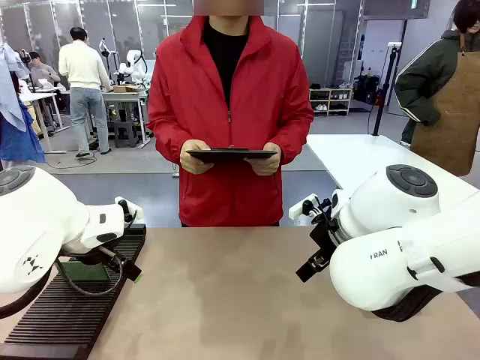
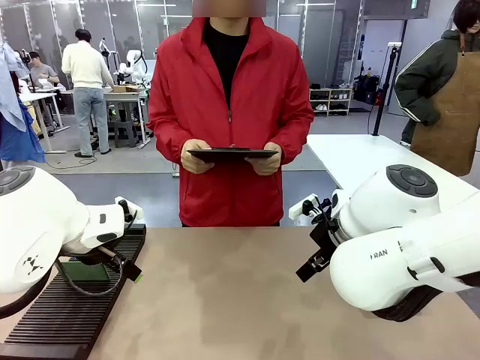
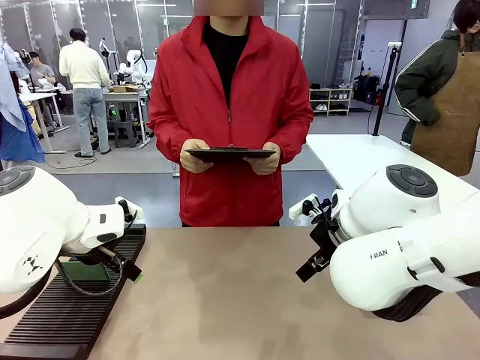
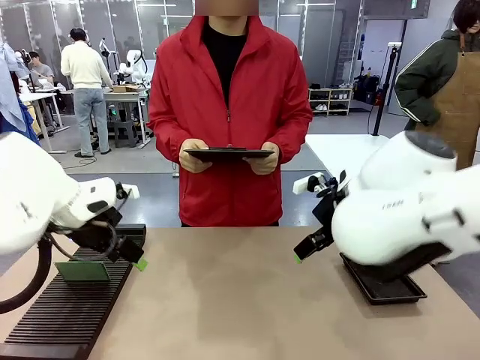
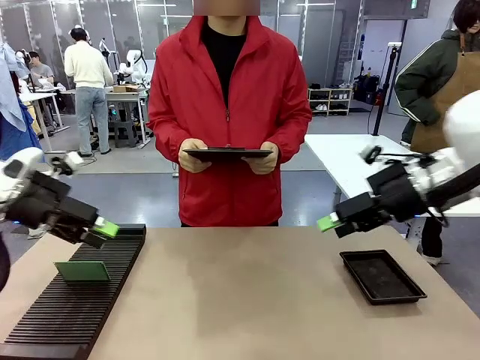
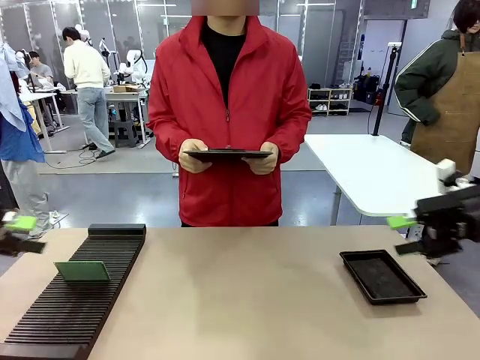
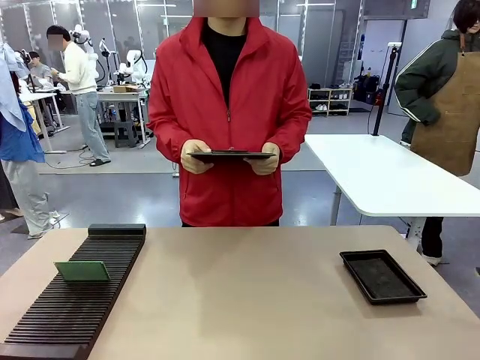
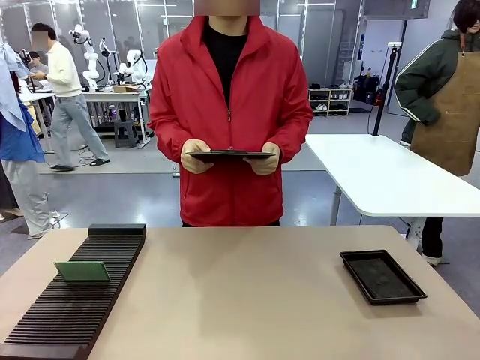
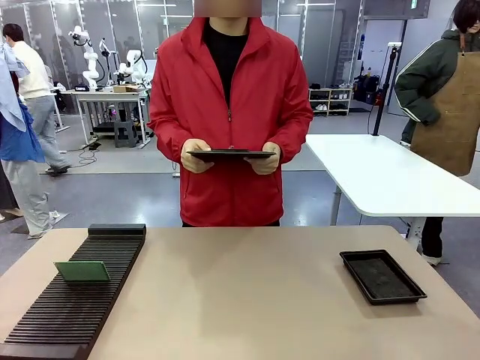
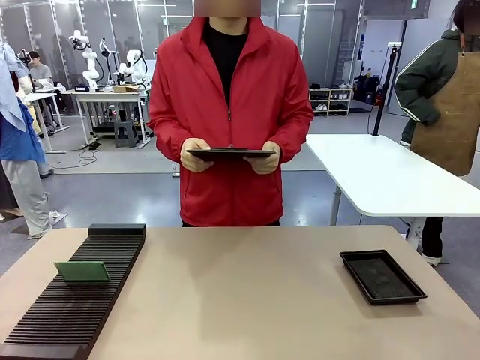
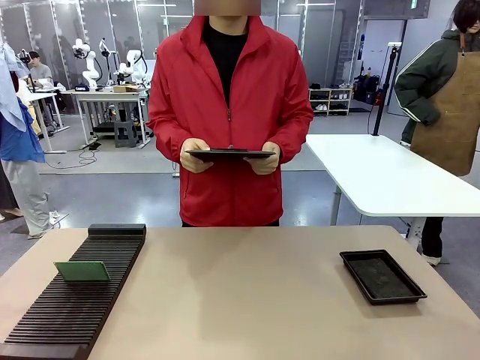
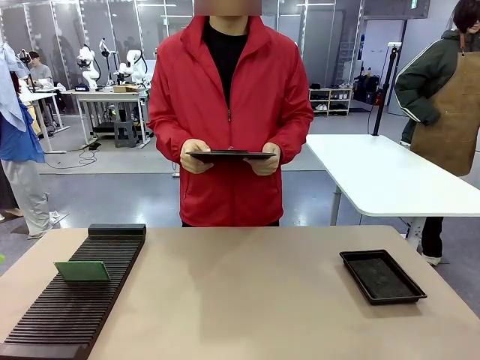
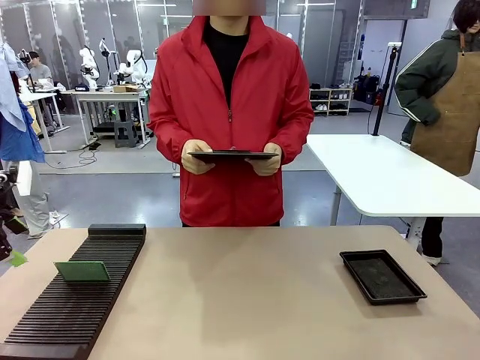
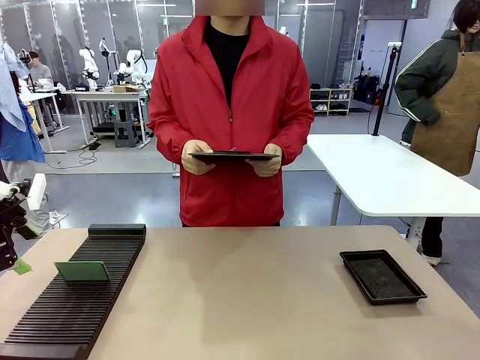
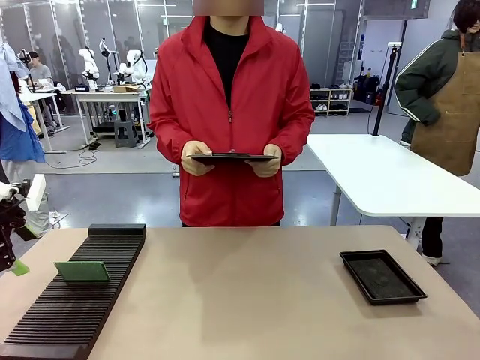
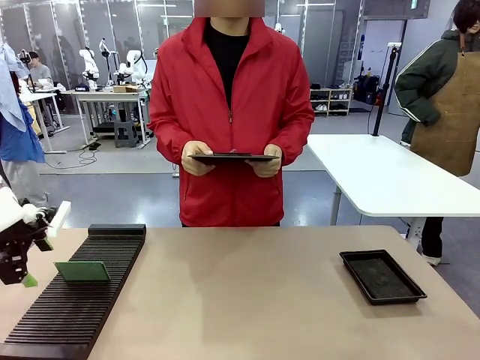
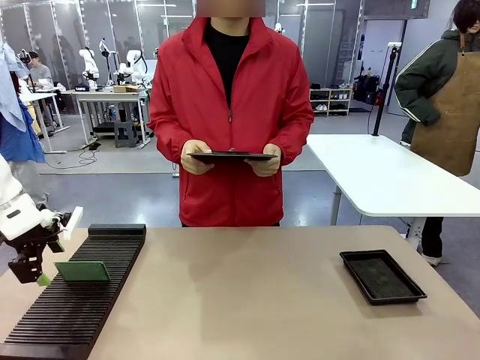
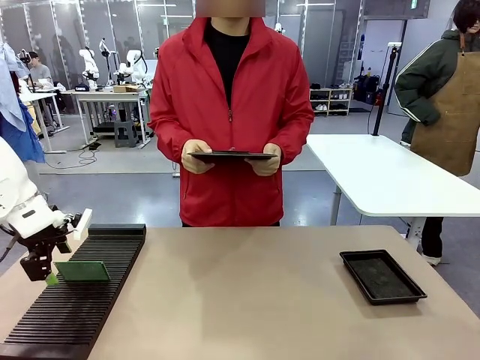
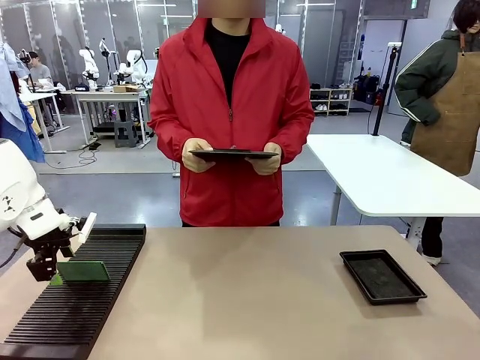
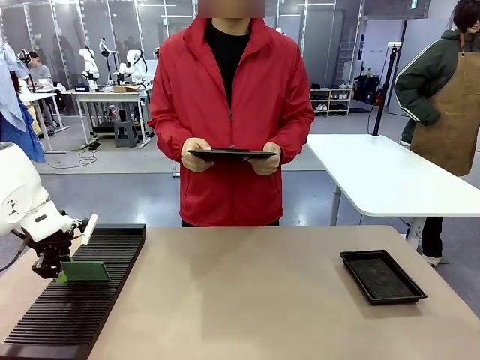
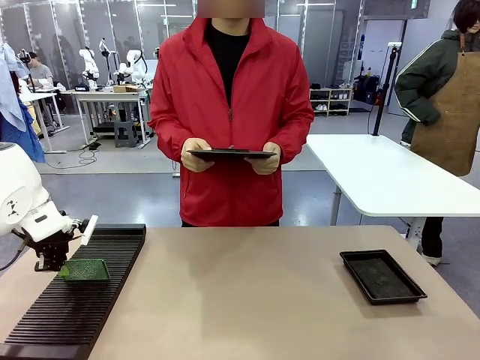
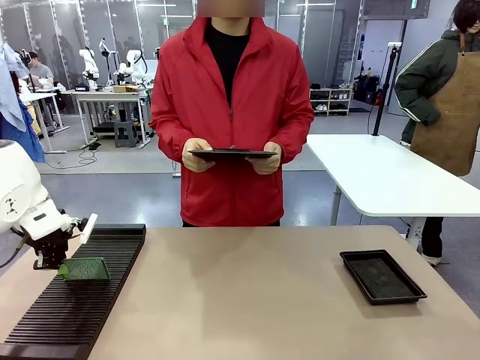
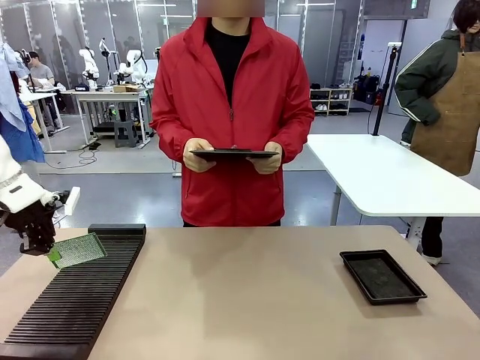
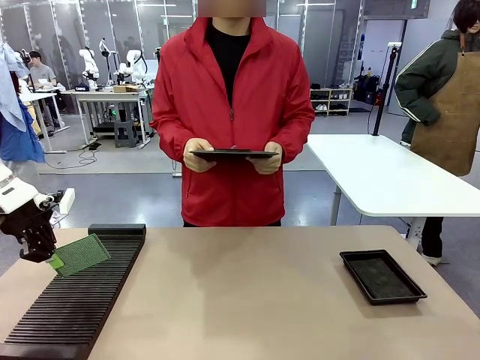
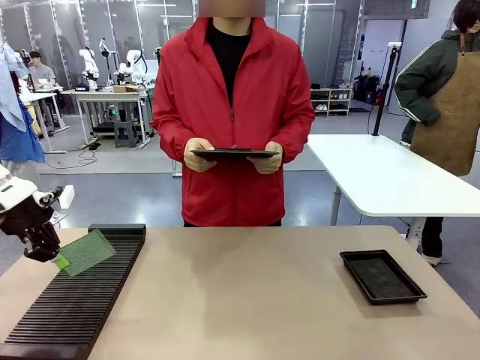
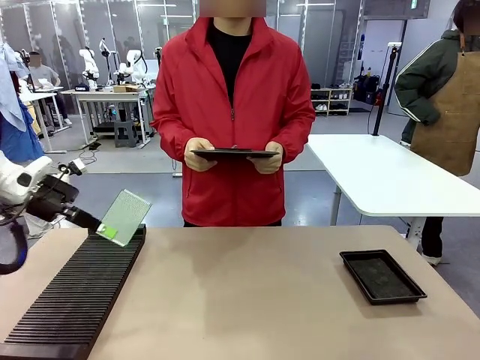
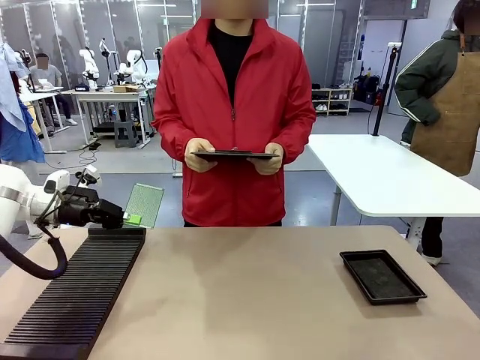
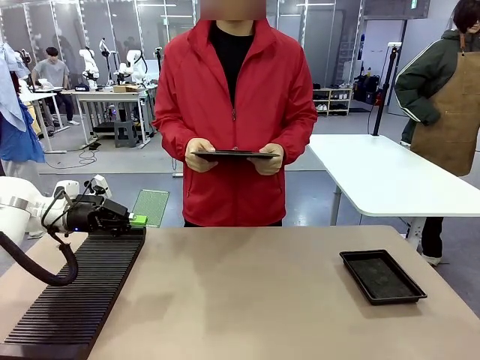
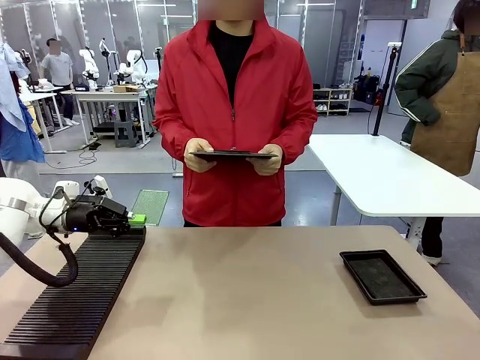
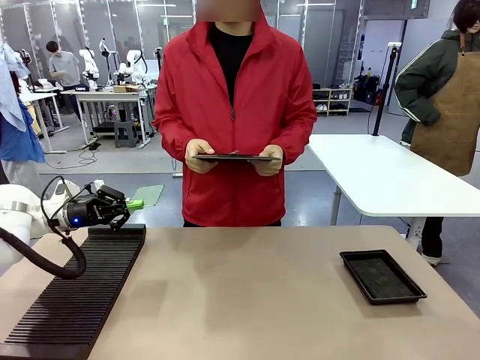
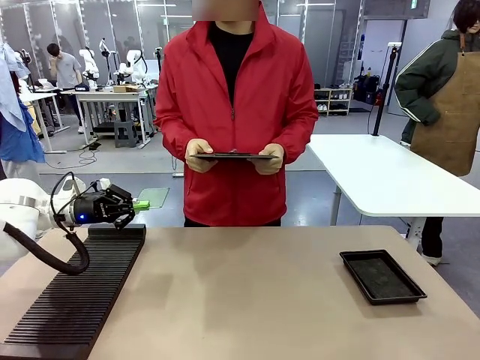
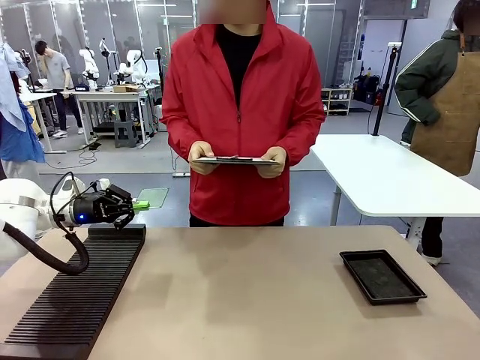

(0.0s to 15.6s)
Task: Inspect the PCB.
Robot: Pick up the Blank PCB and present it to the human.
Person: Pick up the PCB presented by the robot.

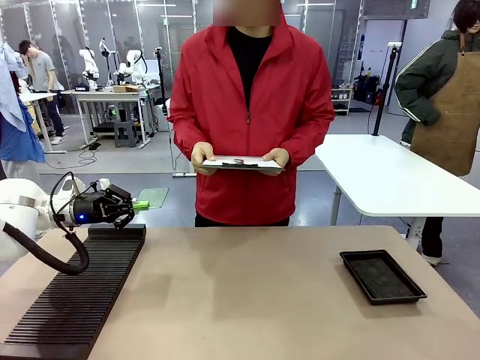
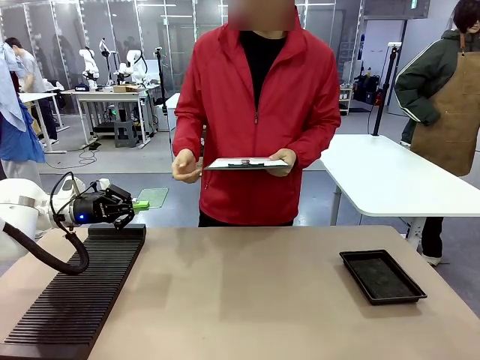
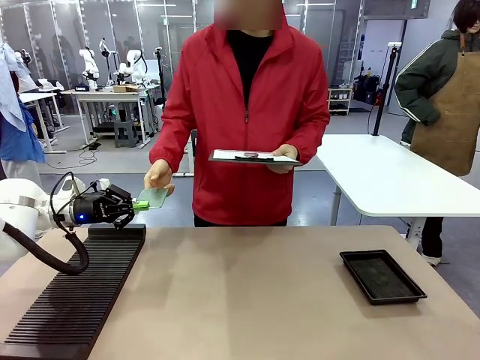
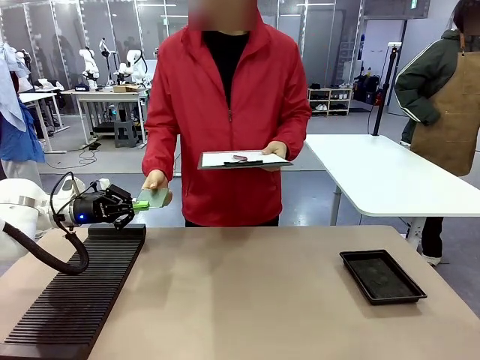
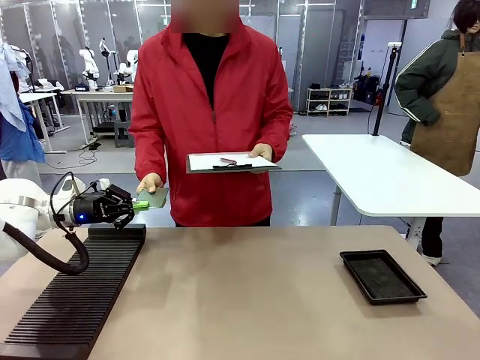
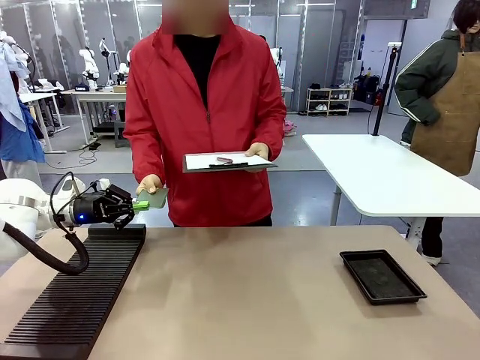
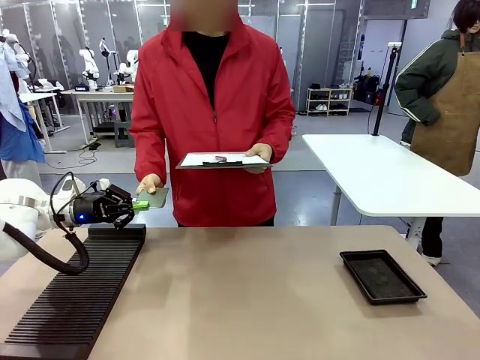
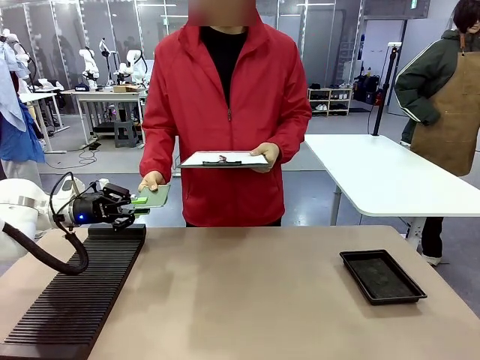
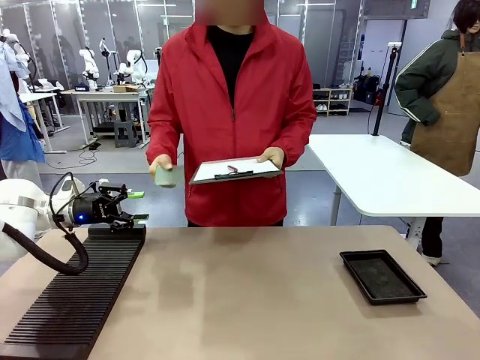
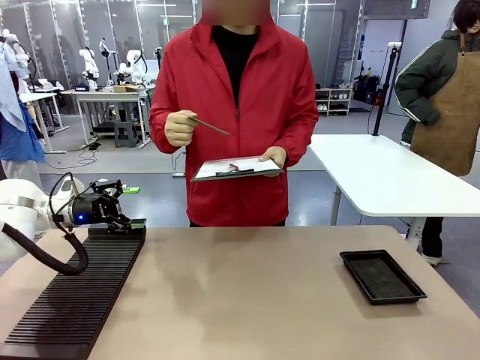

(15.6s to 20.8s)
Robot: Release the Blank PCB you were holding.

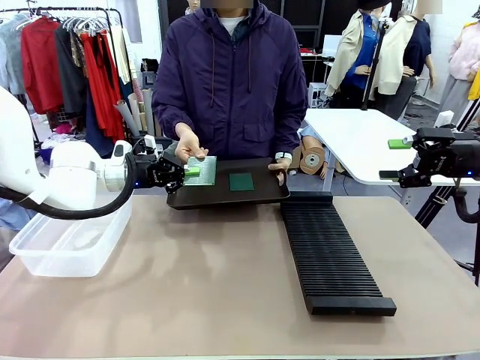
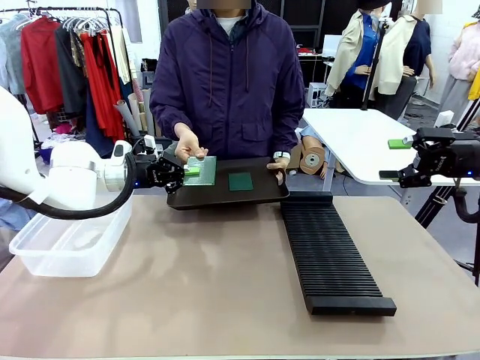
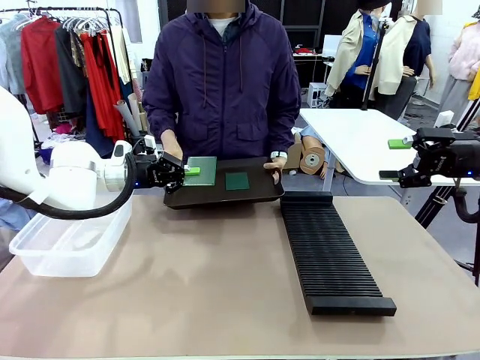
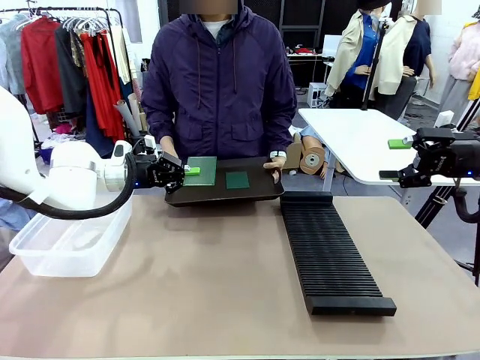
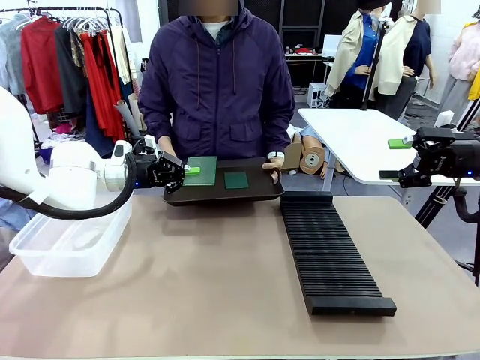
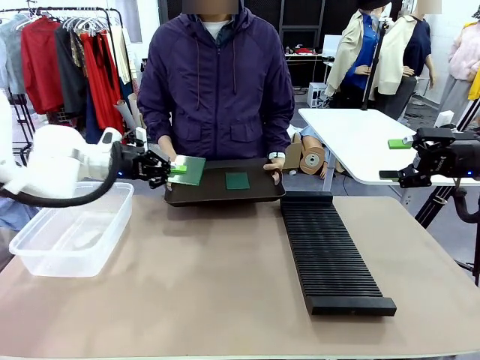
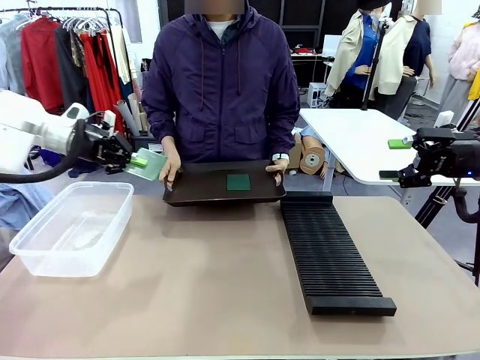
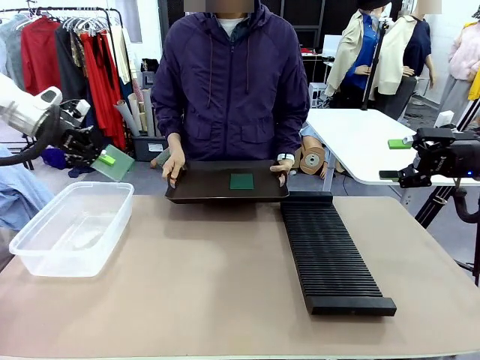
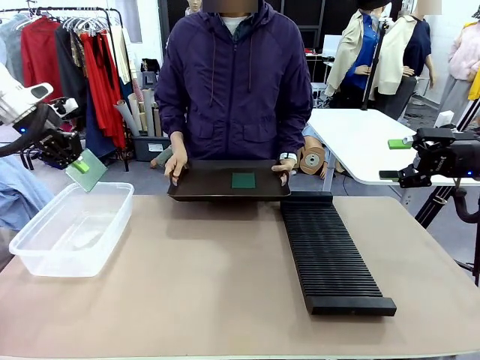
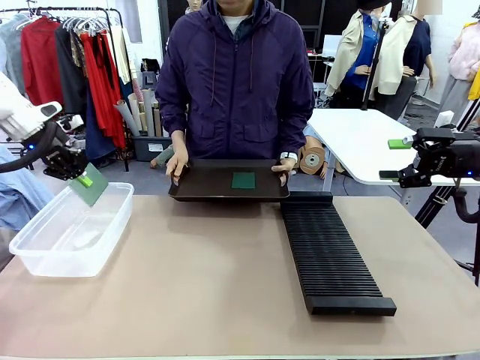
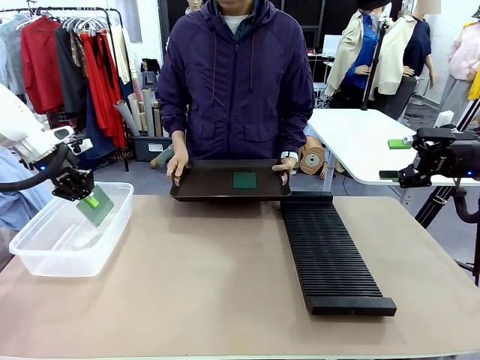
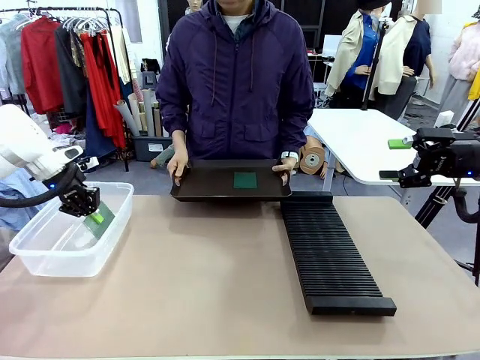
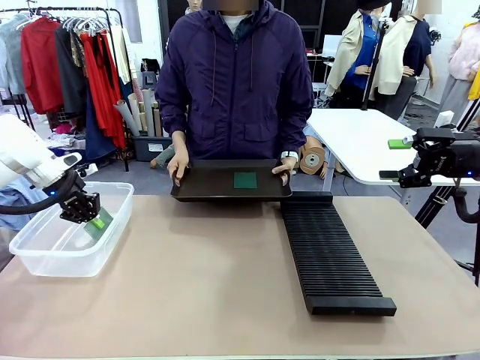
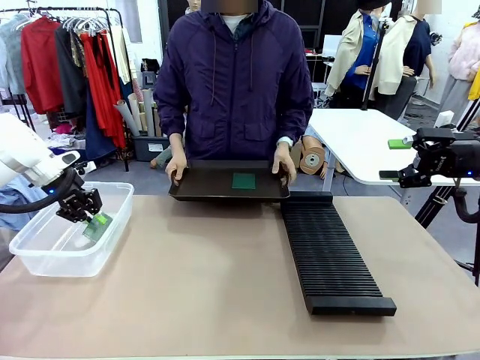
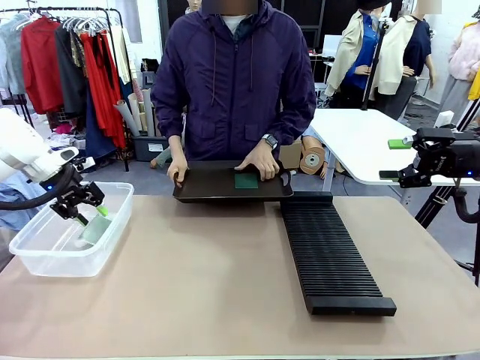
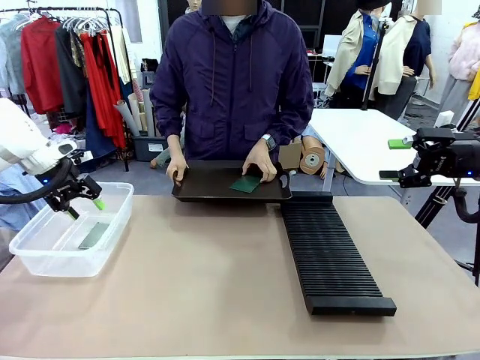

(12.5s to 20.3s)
Task: Sort PCBs into racks and boxes based on the side picked up.
Robot: If the short side of the Blank PCB is picked up, insert it into the PCB Rack ; if the long side is picked up, place it in the Organizing box.
Person: Pick one PCB from the tray and present it to the robot.
